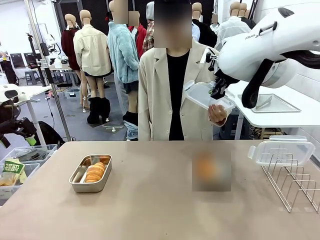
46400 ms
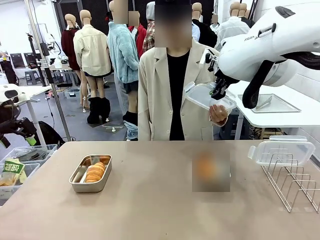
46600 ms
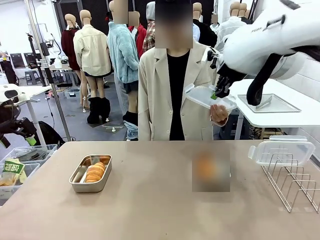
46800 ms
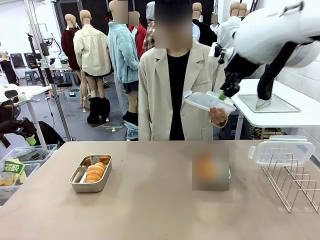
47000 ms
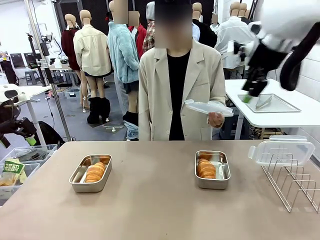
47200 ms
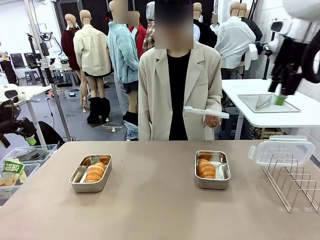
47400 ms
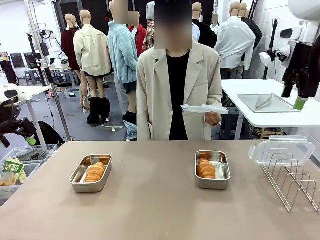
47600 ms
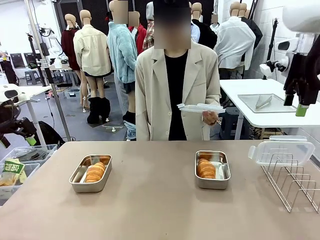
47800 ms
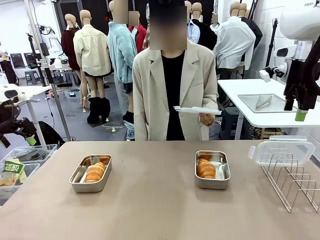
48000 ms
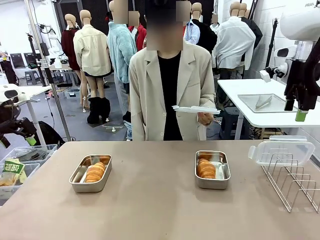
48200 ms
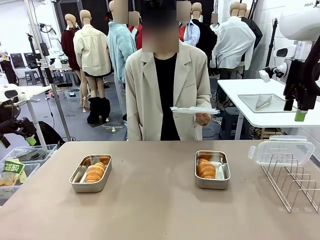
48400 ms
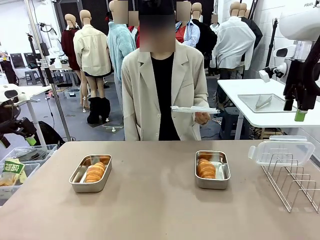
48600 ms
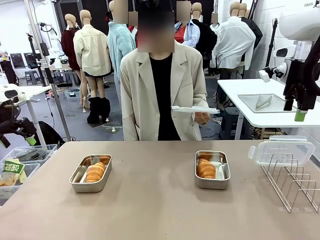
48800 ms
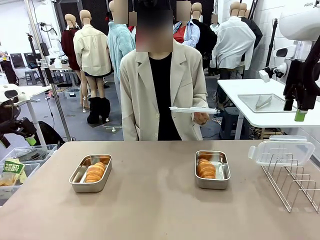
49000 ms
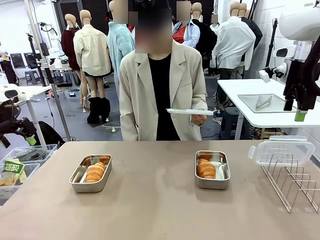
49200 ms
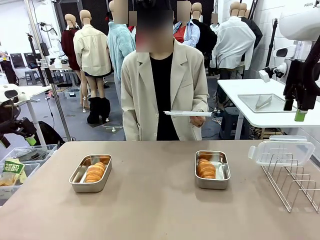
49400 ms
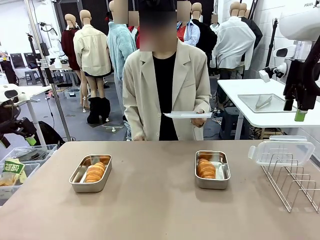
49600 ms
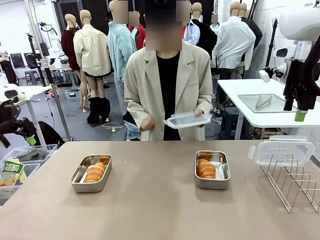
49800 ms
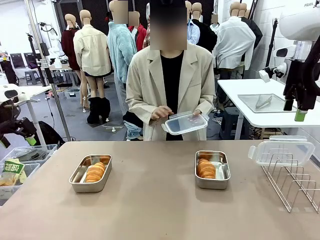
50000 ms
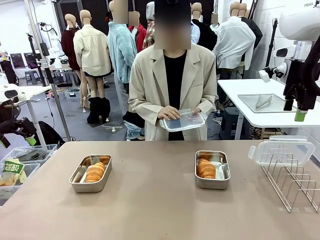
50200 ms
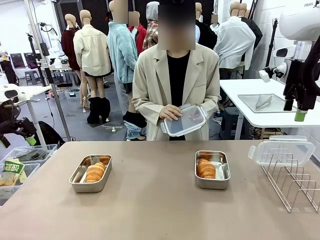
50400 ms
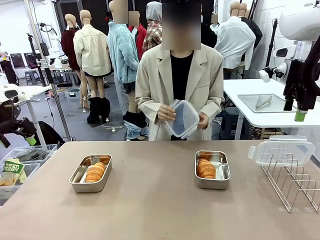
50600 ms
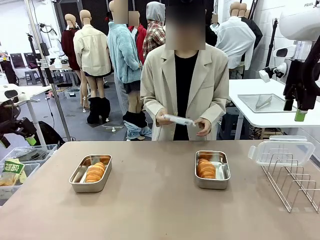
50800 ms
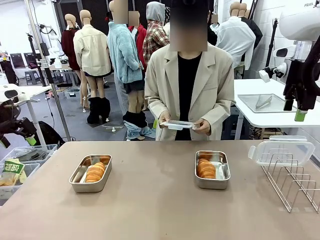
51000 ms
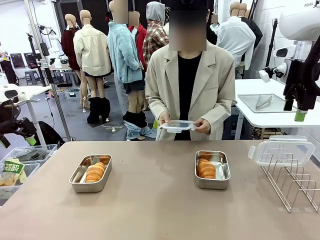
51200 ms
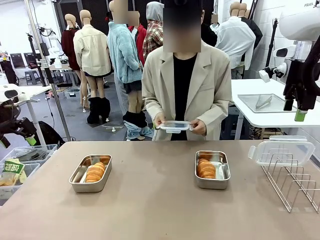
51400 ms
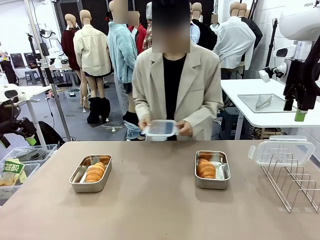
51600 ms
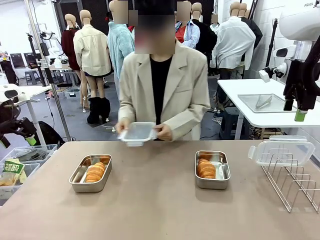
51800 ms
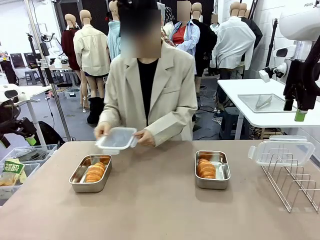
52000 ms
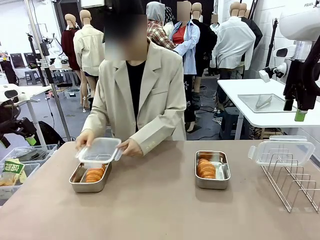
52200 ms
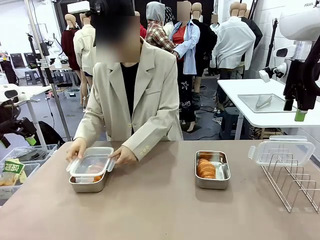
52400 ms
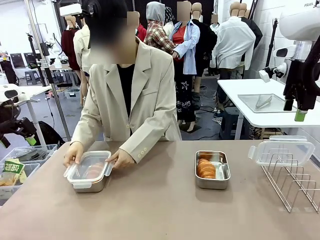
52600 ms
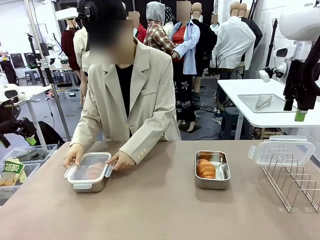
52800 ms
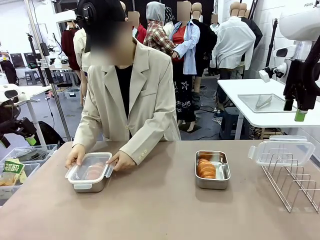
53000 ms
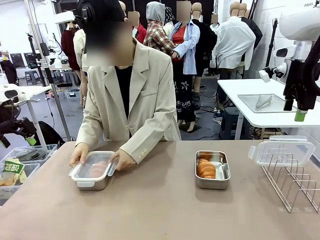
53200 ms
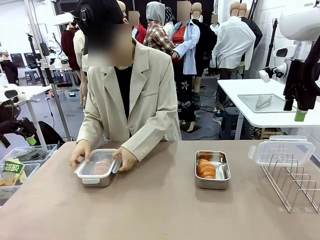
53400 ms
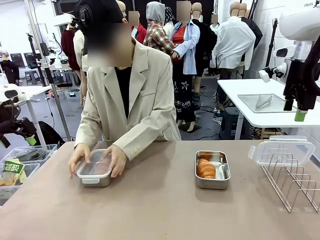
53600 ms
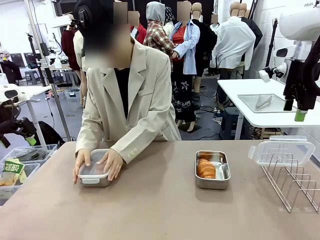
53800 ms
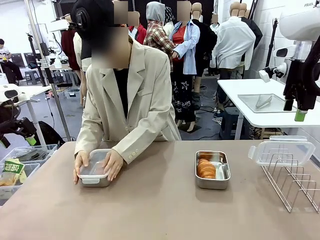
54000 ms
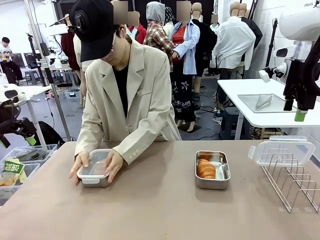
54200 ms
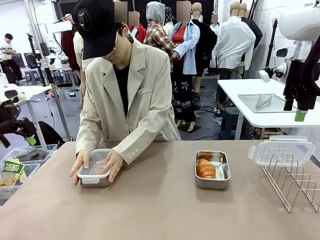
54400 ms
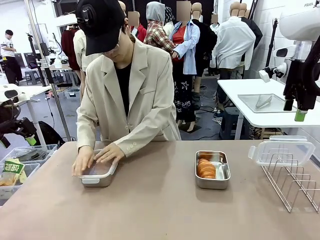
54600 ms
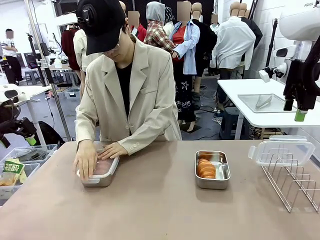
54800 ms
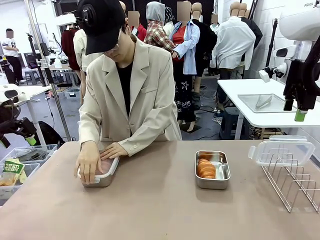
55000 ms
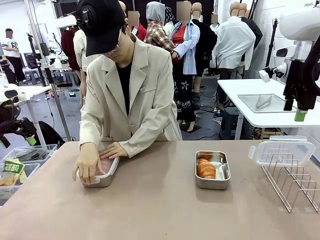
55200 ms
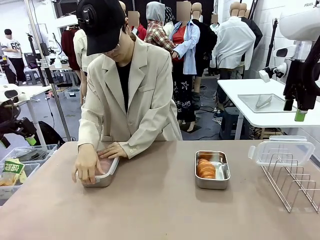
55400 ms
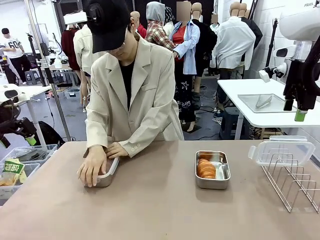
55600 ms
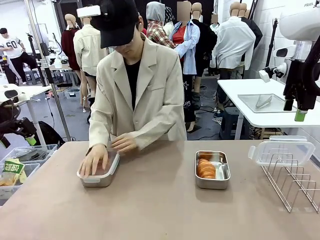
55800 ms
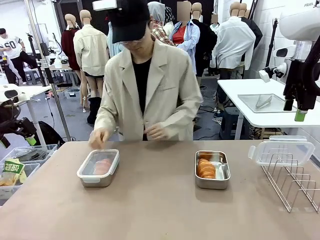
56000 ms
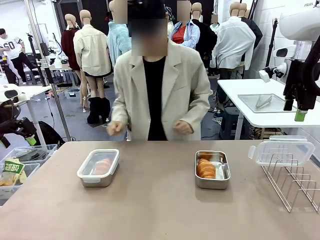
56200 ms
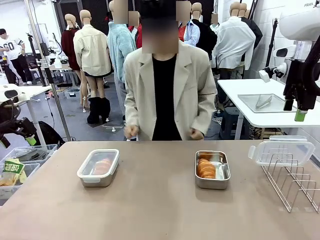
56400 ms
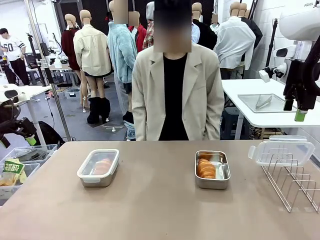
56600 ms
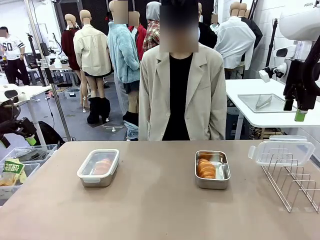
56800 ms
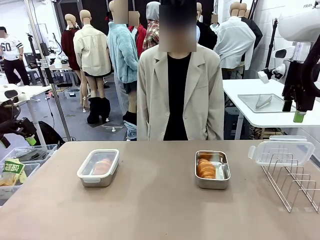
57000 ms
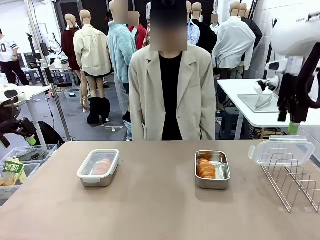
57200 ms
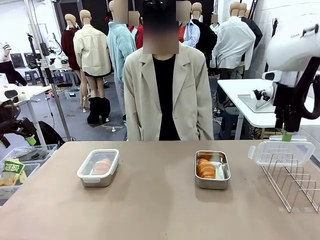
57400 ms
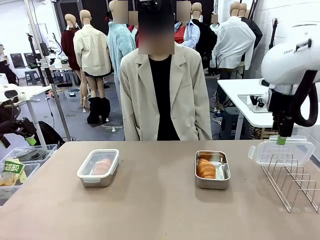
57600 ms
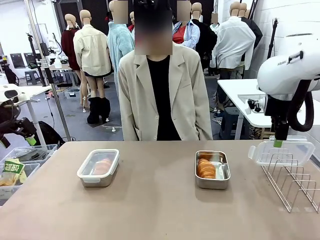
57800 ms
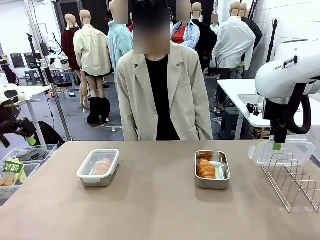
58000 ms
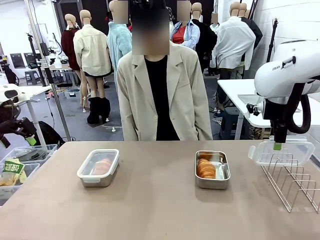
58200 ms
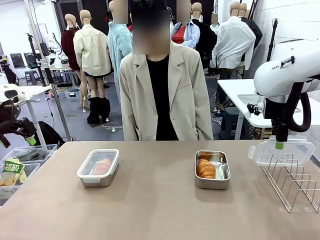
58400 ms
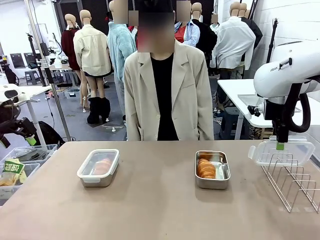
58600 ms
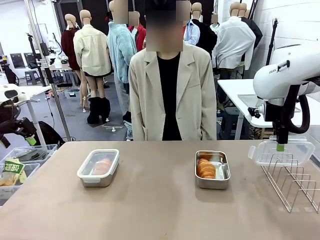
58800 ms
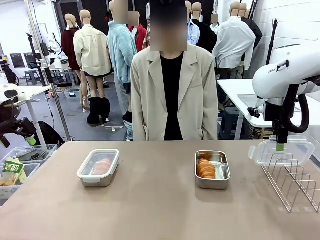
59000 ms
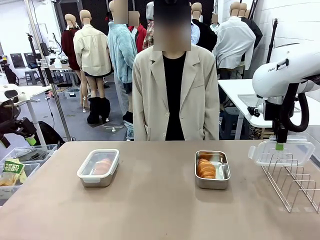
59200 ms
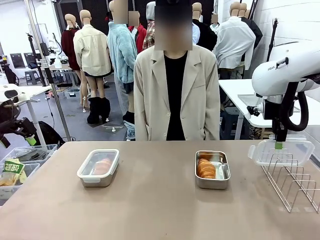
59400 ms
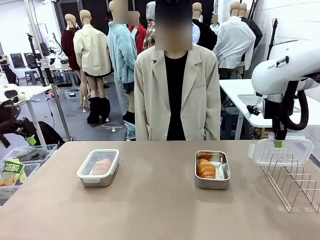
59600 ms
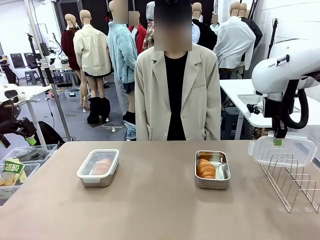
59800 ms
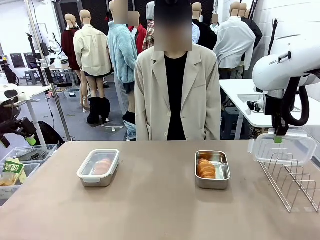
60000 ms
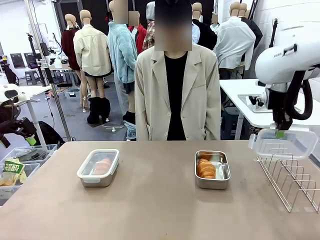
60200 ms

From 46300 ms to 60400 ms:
Task: Place the bread in airtight containers.
Robot: Pick up one Airtight Container lid and hand it to the human.
Person: Close Airtight Container with a handed Airtight Container lid.
